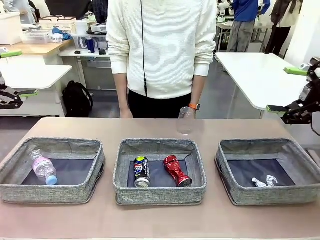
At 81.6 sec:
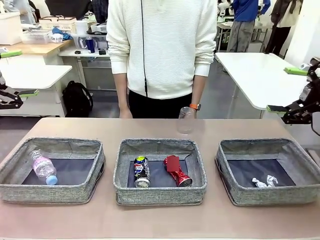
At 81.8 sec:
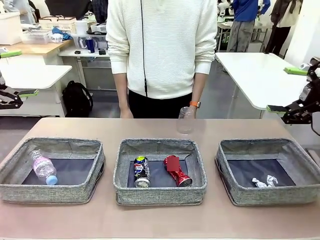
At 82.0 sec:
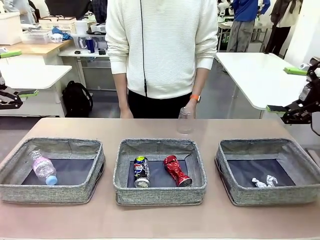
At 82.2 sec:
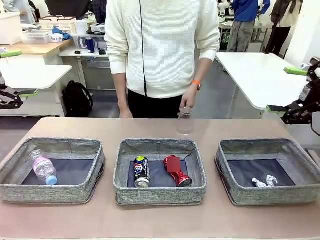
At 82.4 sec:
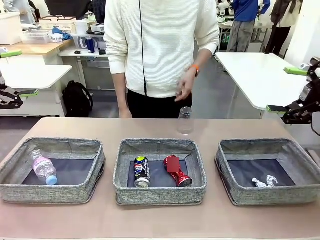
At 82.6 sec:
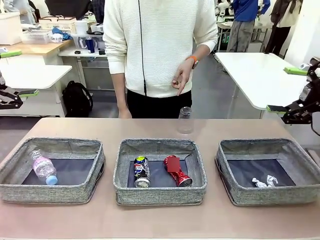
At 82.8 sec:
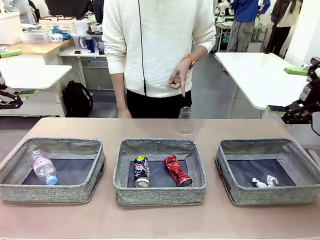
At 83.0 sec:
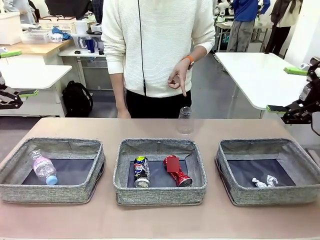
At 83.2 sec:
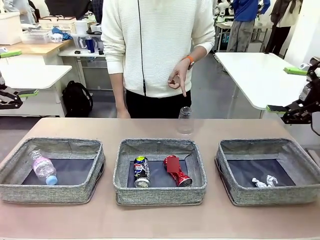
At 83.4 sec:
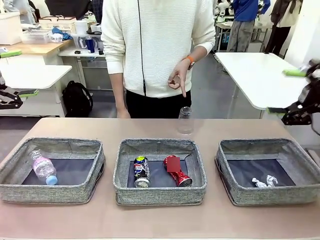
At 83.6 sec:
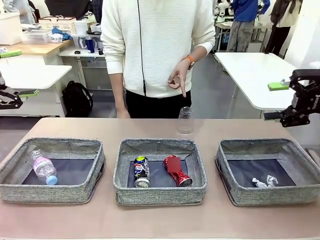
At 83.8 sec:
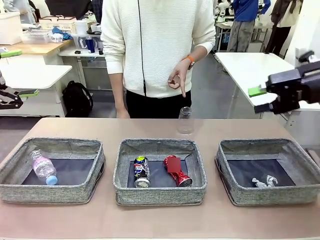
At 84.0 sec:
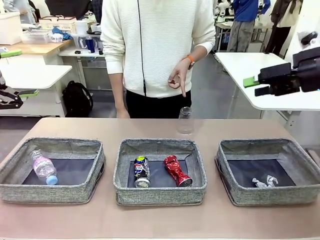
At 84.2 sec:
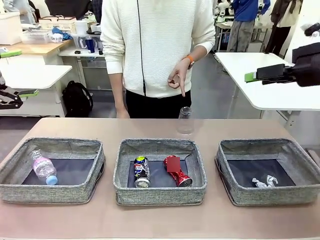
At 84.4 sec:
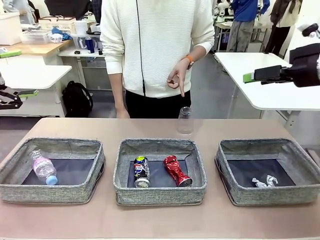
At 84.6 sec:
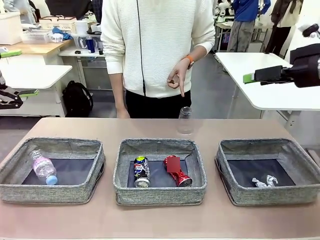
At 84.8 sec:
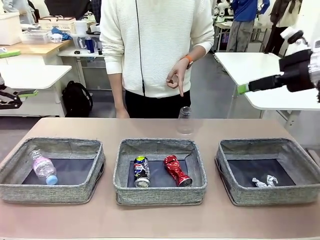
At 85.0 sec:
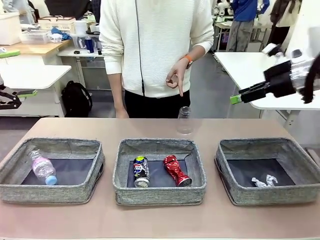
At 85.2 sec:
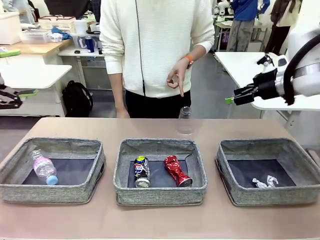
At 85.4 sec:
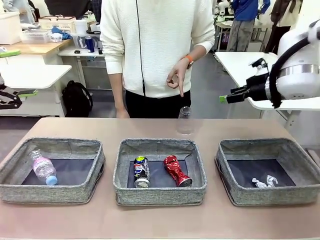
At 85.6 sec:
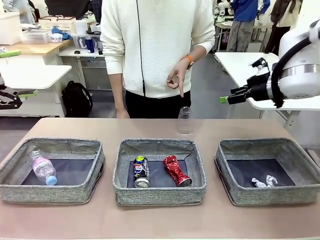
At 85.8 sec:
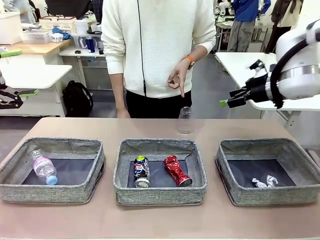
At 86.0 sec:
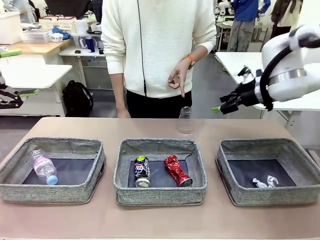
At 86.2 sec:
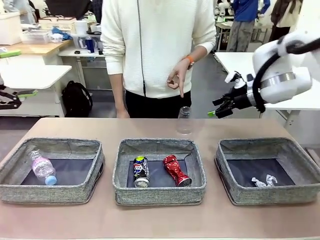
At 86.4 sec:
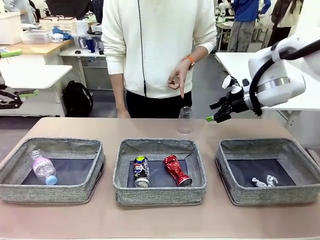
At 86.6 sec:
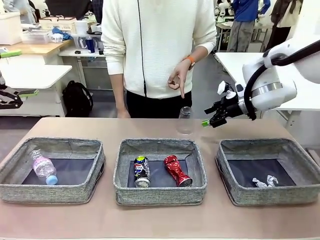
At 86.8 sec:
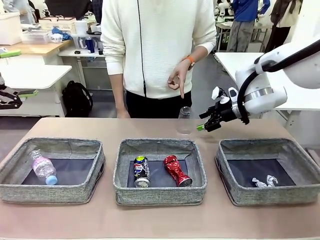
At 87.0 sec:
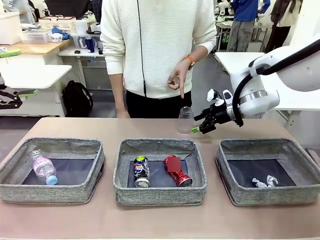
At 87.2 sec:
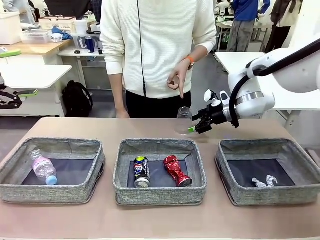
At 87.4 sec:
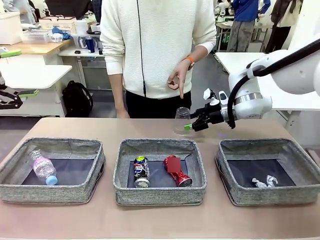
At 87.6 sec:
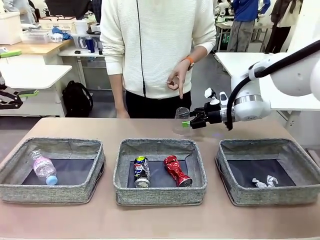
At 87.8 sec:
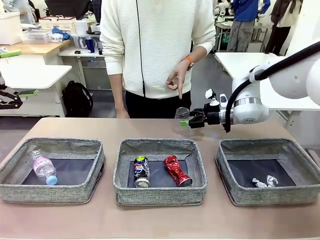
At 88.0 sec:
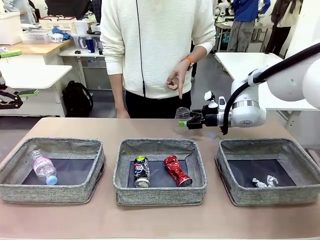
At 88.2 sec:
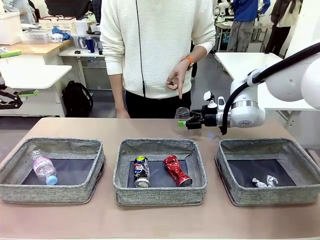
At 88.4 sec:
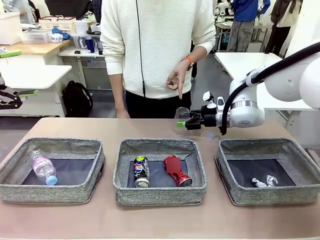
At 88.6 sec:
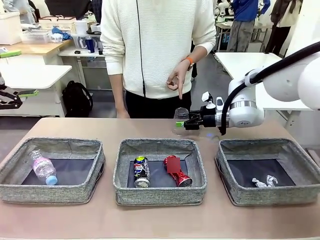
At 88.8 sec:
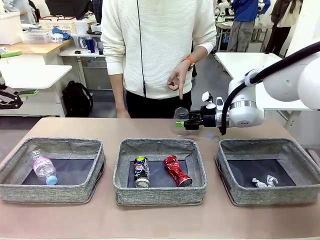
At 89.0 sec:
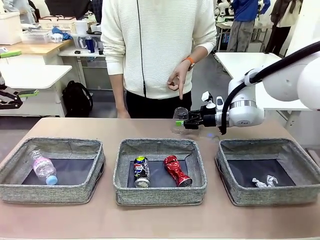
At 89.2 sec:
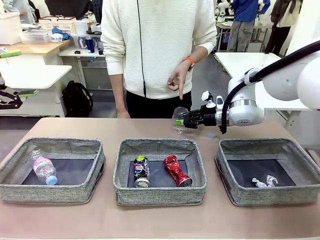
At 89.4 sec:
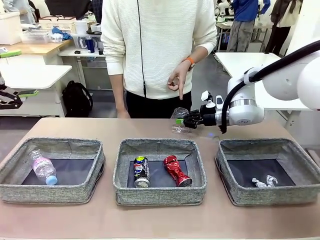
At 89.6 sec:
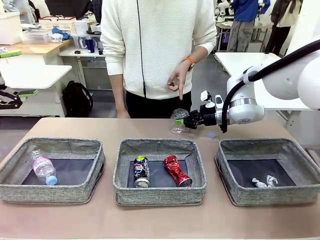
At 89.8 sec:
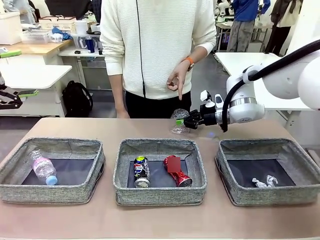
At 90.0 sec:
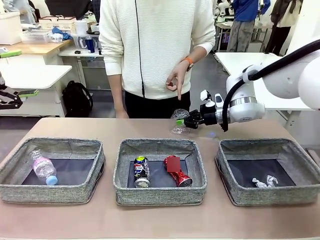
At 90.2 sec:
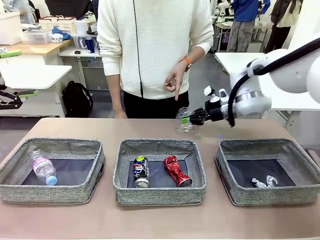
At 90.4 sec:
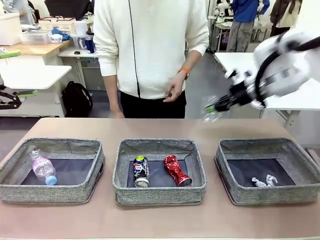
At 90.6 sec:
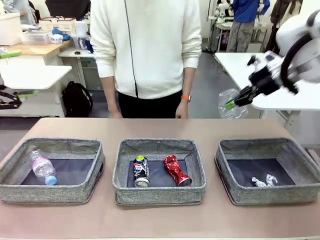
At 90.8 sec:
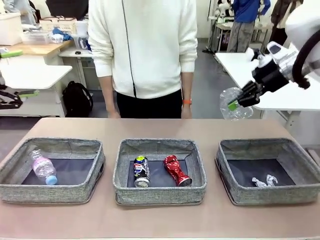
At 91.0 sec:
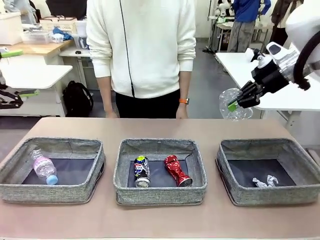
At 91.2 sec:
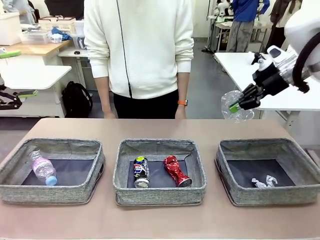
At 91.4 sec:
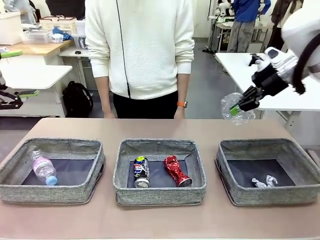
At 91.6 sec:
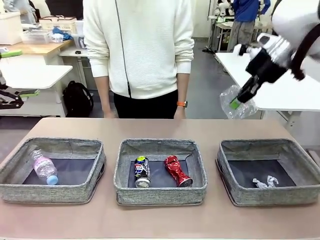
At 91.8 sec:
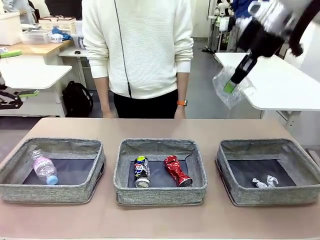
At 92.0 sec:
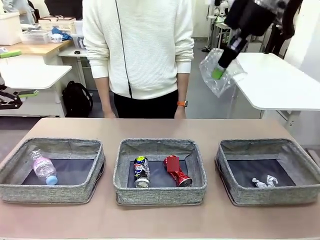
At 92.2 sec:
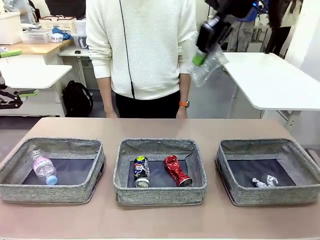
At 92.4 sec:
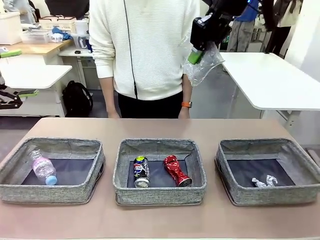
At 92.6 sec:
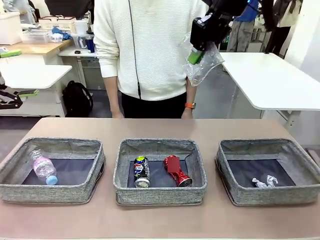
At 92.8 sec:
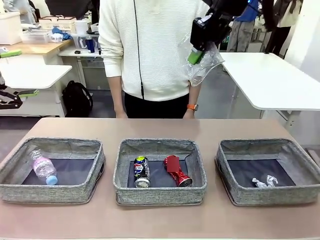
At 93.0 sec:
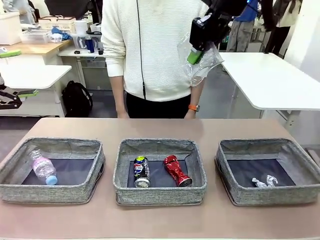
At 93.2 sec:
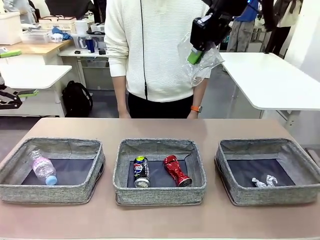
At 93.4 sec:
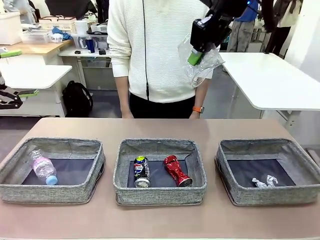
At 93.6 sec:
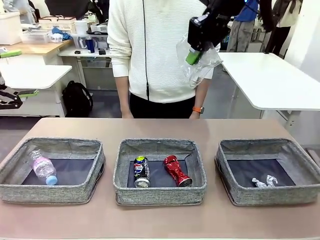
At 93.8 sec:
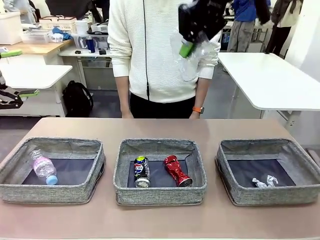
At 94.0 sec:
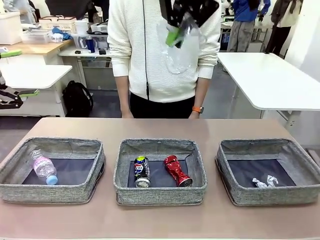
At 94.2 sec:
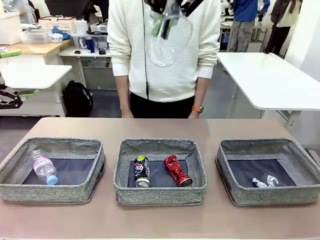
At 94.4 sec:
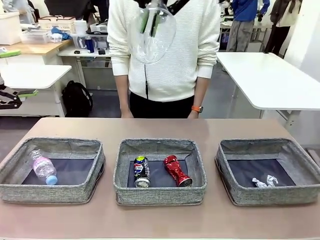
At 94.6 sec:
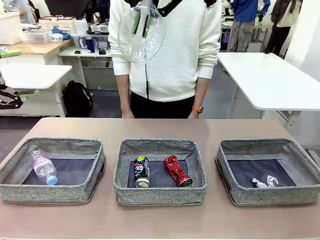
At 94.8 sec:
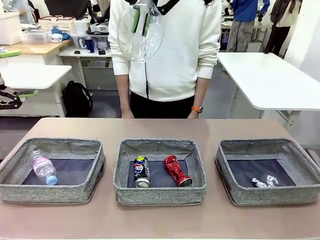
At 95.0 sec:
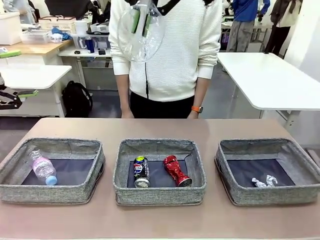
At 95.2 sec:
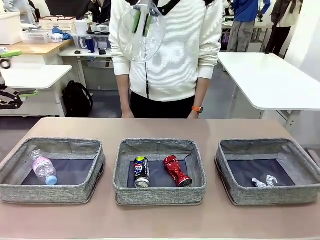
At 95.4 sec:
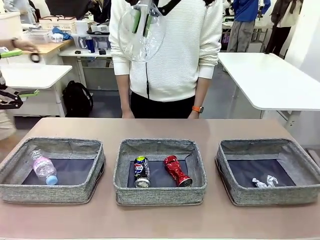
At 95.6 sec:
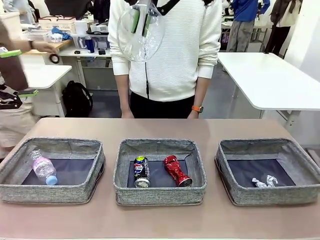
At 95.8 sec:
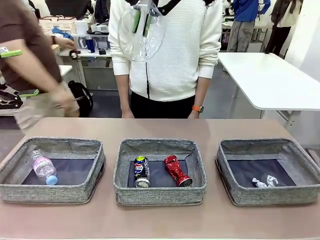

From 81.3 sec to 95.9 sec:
Task: Sort the waste into the appropriate baskets.
Robot: Pick up the waste item pointed out by the person.
Person: Points to one piece of trash on the table.

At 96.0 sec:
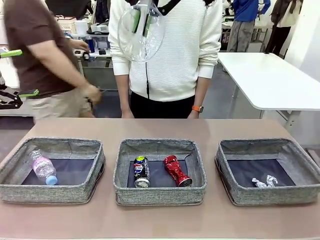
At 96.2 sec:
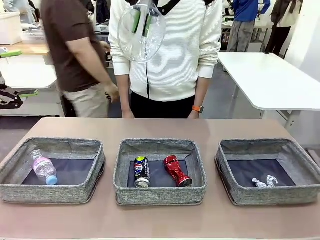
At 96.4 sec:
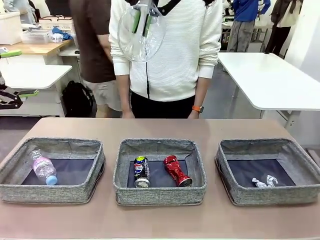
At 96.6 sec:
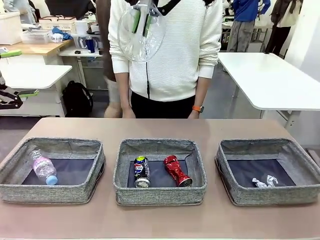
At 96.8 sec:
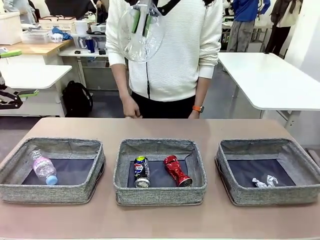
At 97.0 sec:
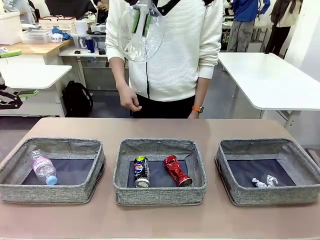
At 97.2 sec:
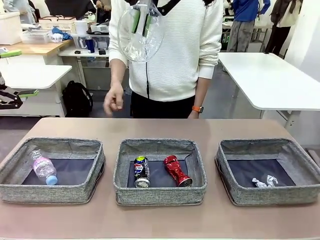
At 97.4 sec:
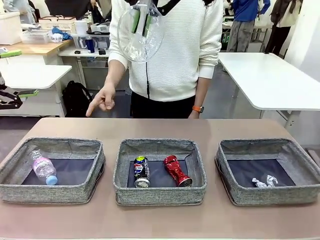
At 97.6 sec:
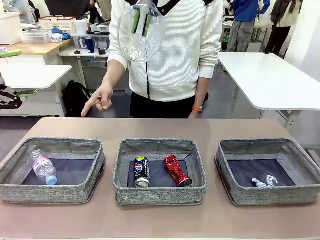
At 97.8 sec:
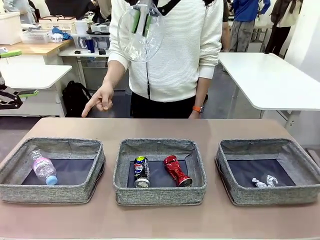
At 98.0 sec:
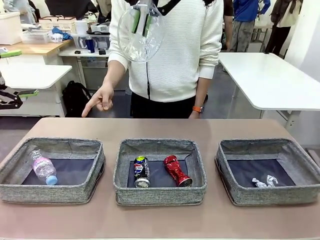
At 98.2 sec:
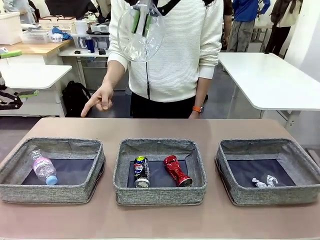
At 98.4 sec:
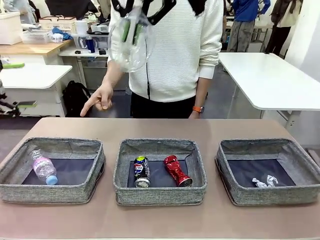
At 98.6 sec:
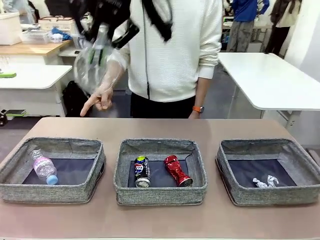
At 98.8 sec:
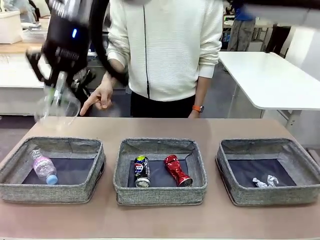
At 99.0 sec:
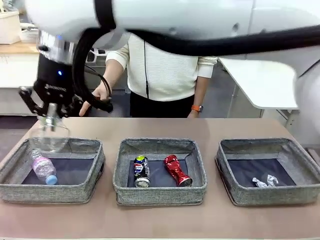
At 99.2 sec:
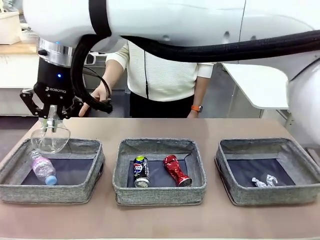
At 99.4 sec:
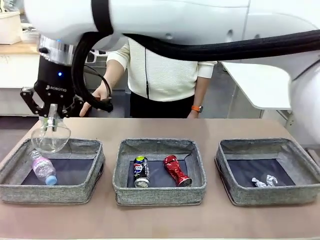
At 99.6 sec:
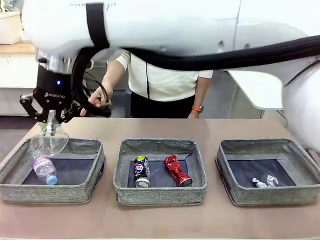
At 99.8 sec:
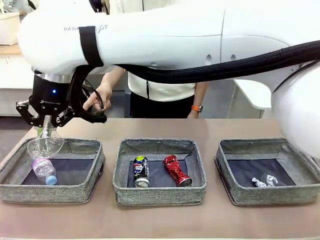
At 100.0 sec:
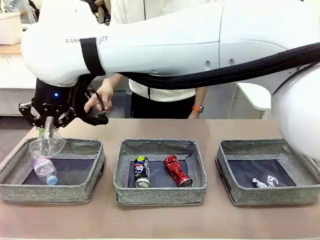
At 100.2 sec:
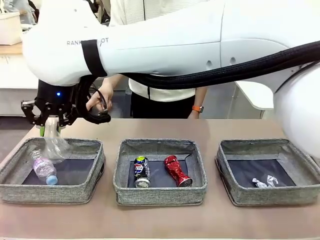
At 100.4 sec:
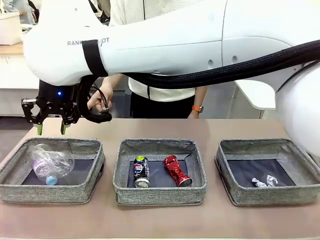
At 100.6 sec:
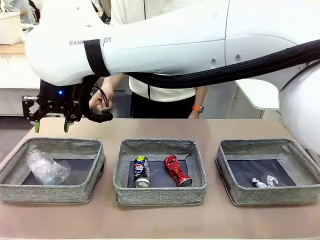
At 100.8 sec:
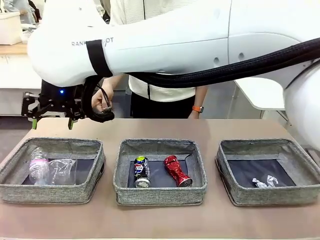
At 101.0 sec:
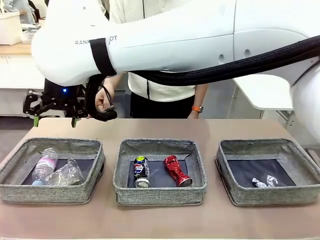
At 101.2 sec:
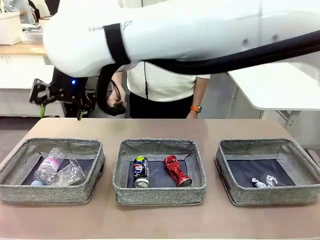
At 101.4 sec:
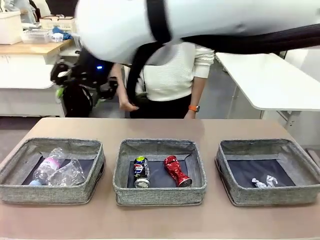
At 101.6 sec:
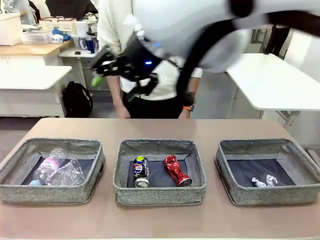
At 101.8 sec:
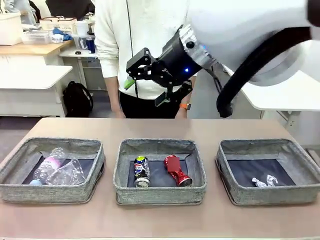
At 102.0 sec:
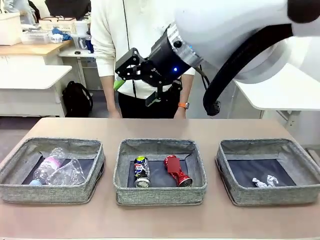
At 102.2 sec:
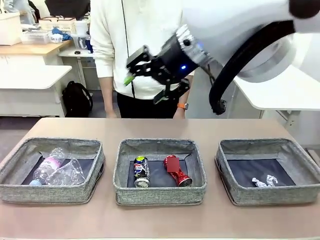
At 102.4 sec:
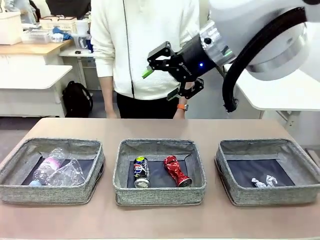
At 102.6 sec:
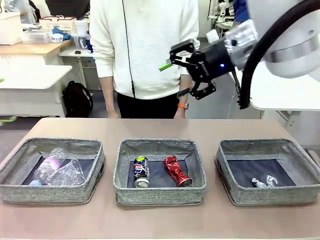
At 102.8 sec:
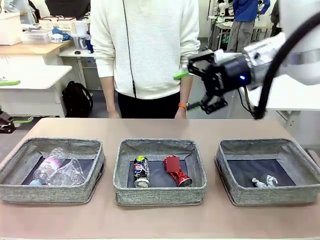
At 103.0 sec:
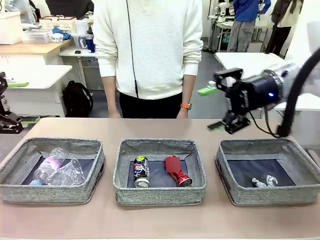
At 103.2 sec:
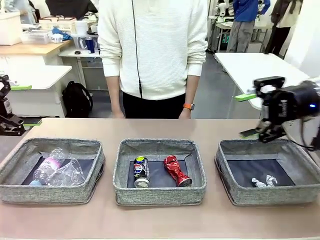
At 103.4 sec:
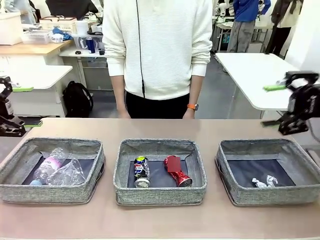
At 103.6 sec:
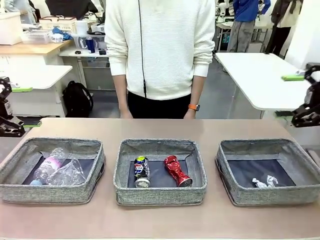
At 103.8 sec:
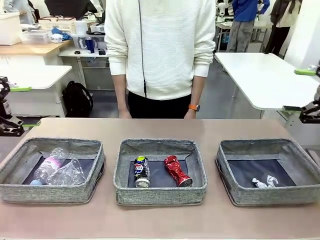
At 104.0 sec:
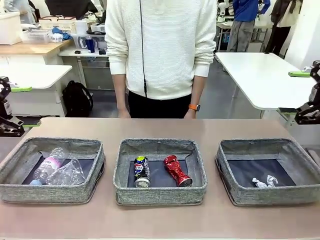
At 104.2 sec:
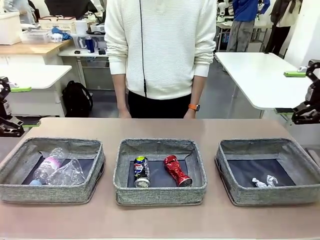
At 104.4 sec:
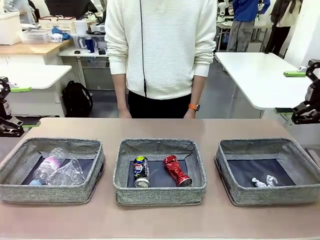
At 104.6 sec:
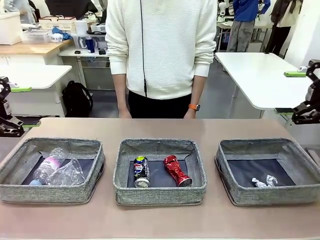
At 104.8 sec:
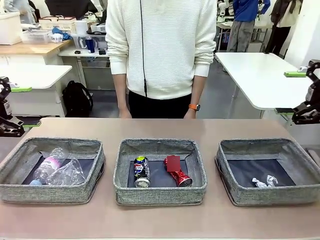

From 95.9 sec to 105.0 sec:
Robot: Place the picked waste into the Fabric basket indicated by the person.
Person: Instructs the robot to place the picked-up trash into the appropriate organizing basket.
